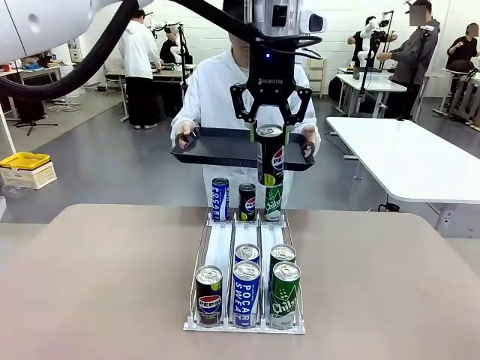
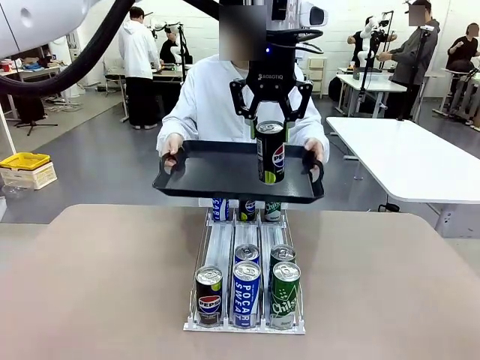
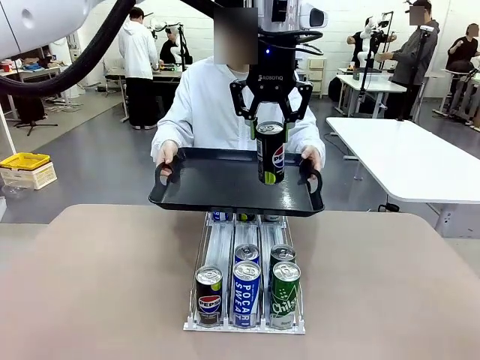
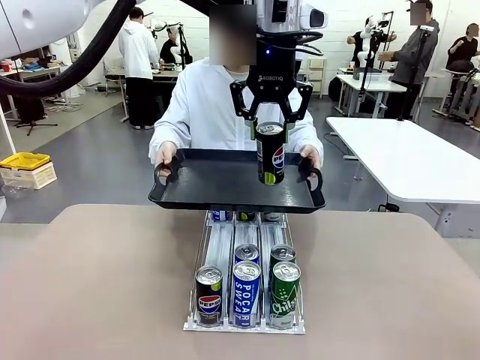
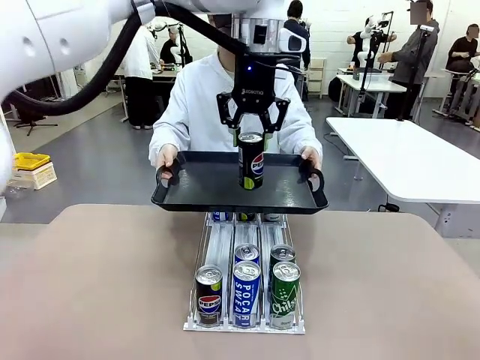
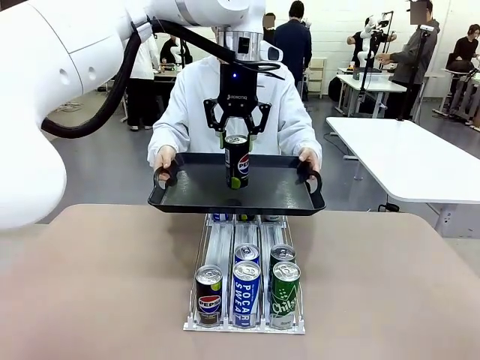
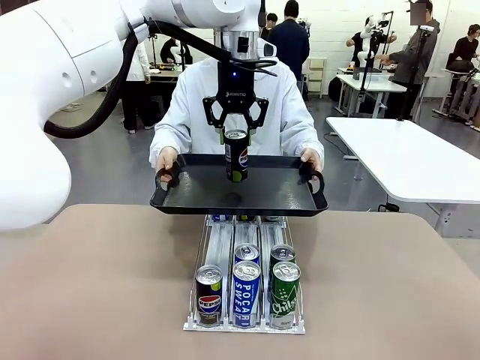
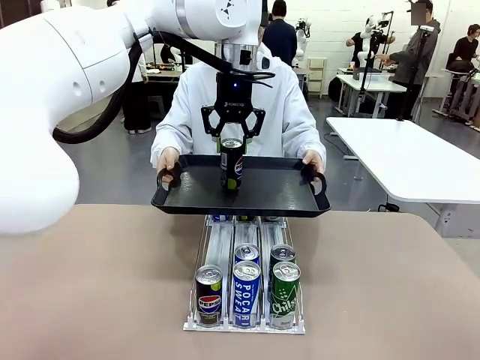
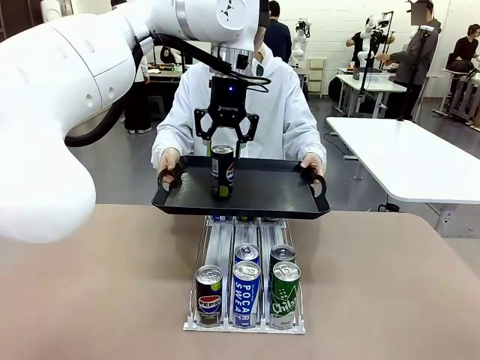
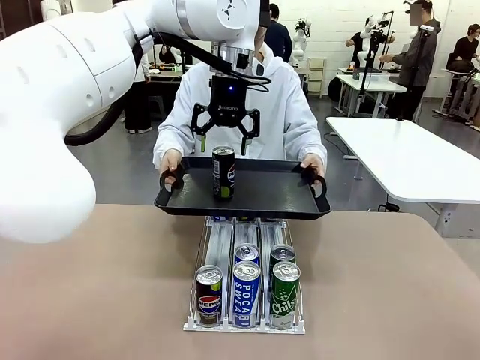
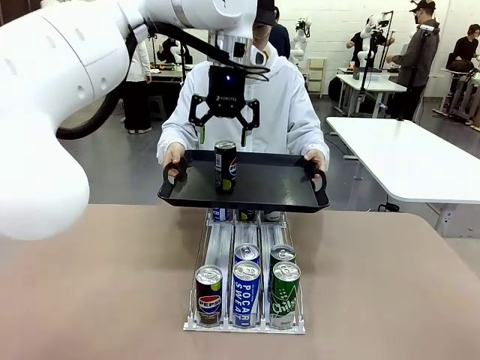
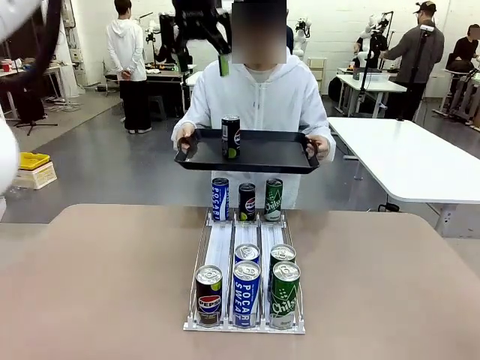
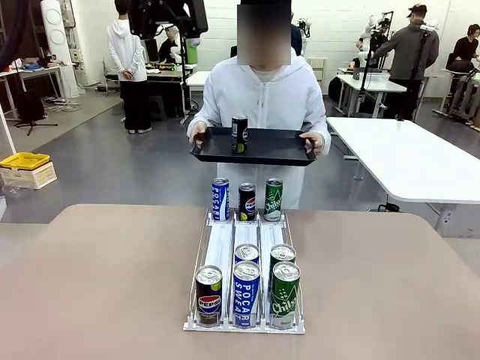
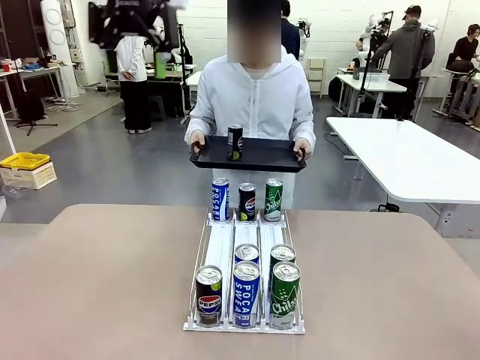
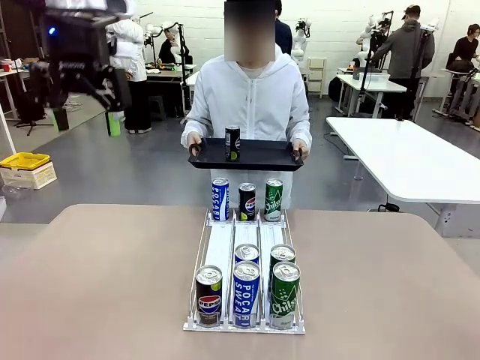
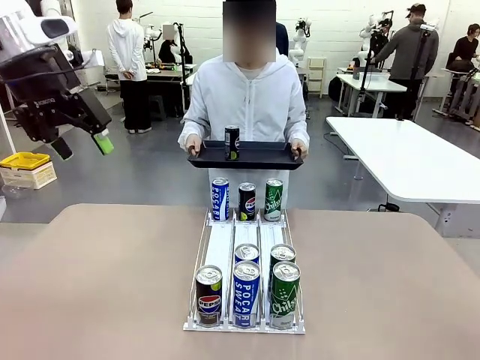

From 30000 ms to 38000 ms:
Task: Retrieve and hand over the desired beverage to the person.
Robot: Place the picked can on the Handle tray extended by the person.
Person: Pull the tray back, then pick up another can from the bottom area of the table and puts it back in its original place.

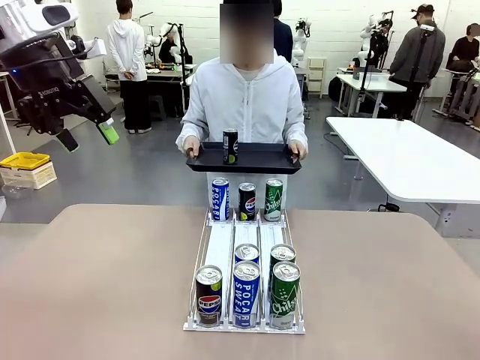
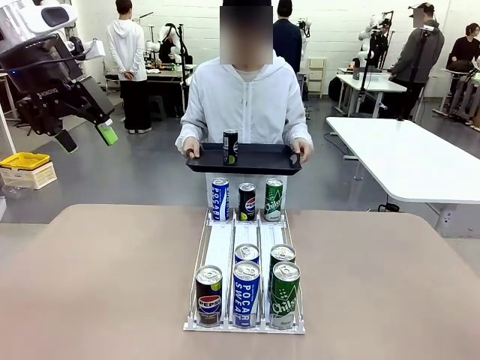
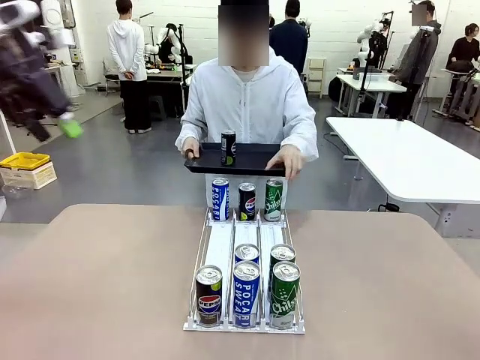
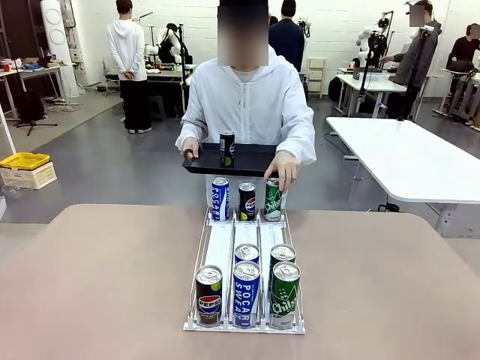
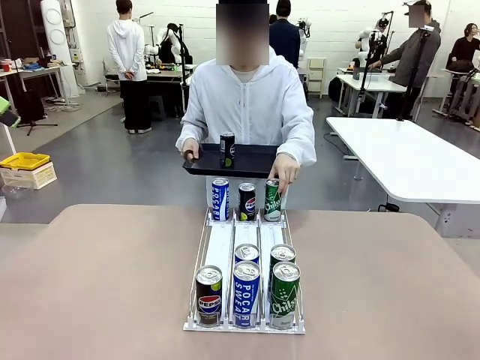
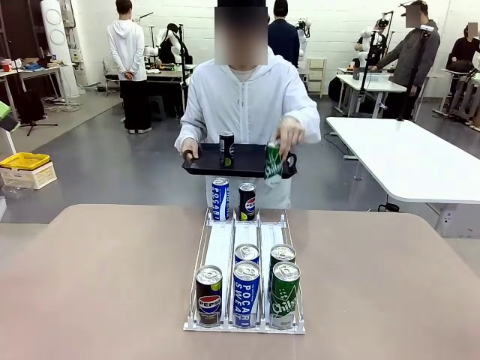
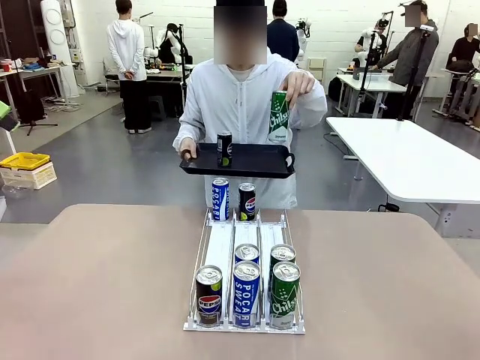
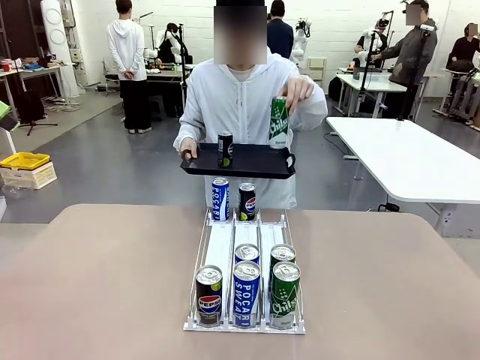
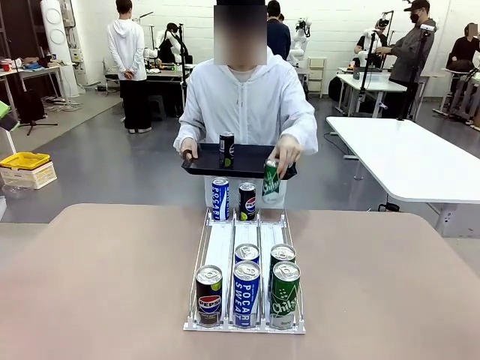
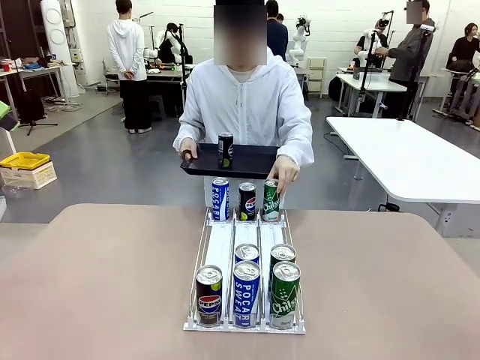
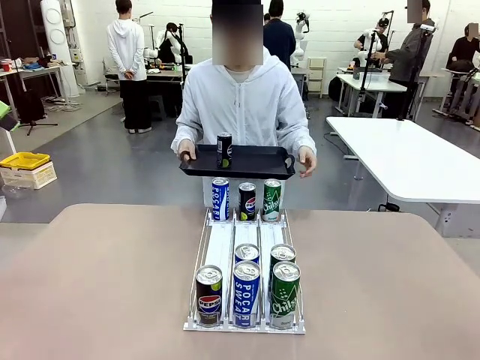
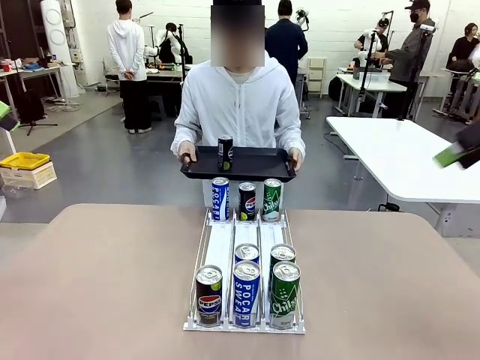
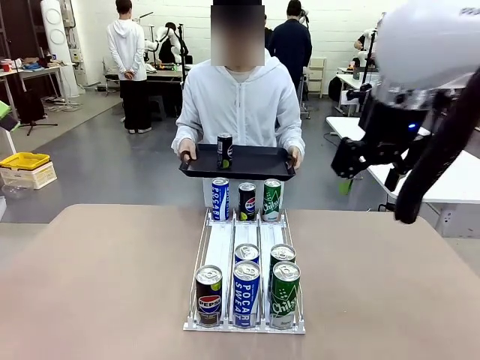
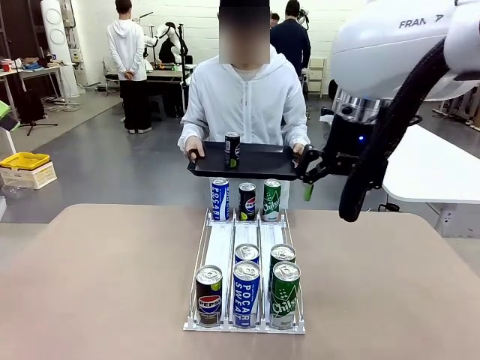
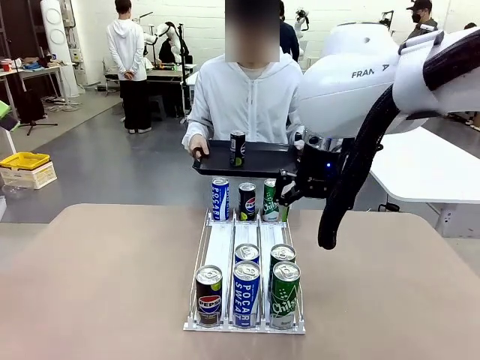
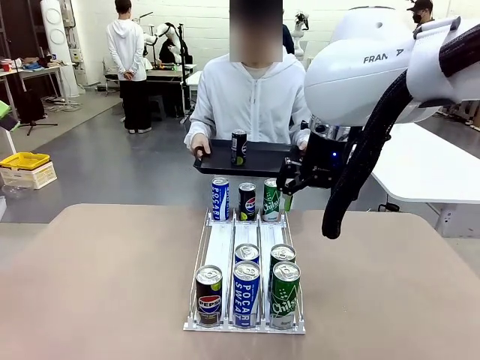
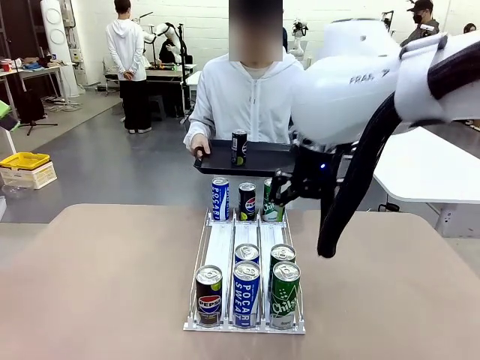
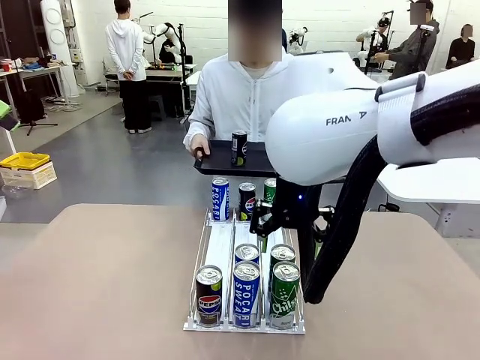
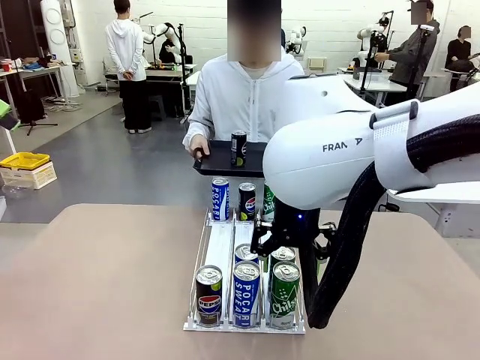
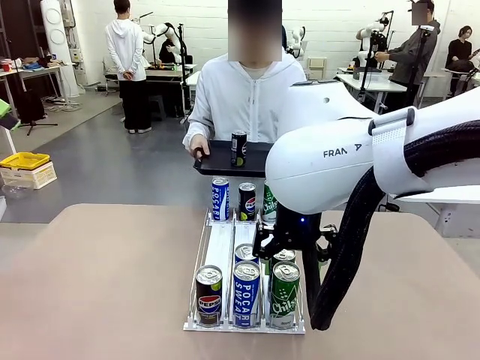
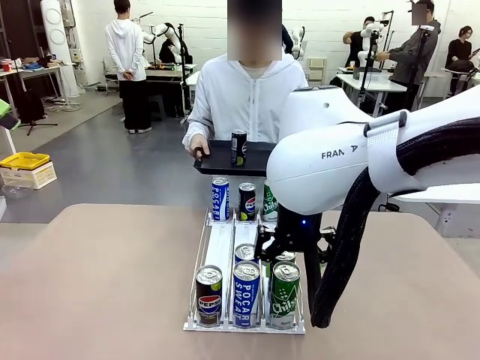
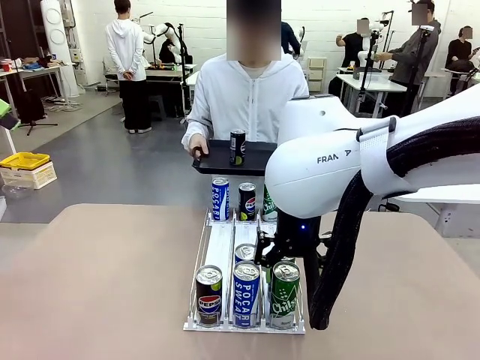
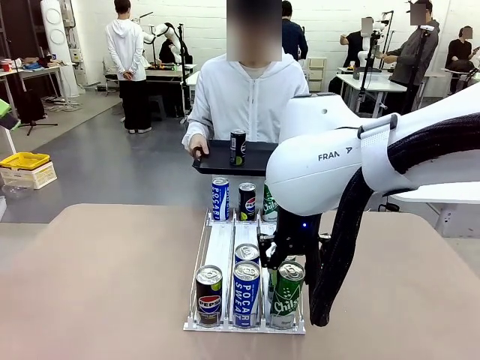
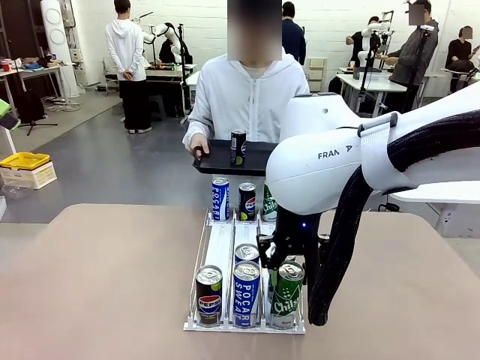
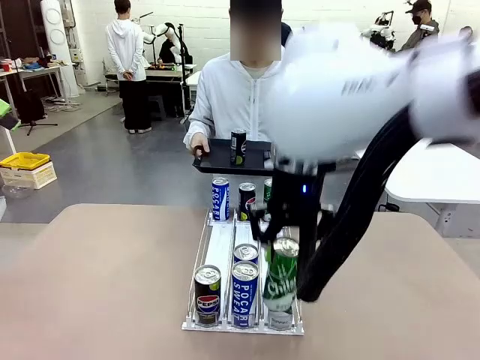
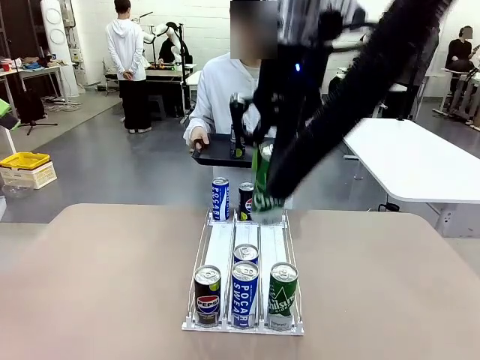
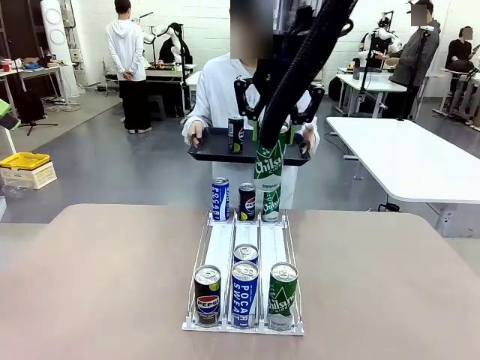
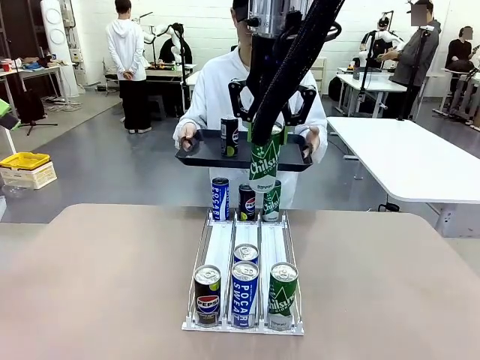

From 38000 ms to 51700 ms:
Robot: Pick up another can of the same type that the person held from the Automatic Can Dispenser.
Person: Push the tray toward the robot again.
